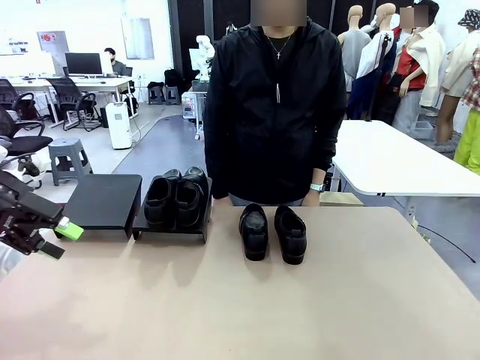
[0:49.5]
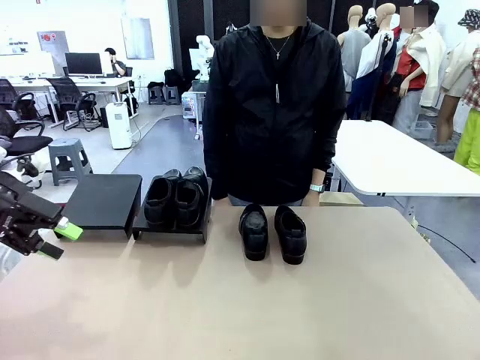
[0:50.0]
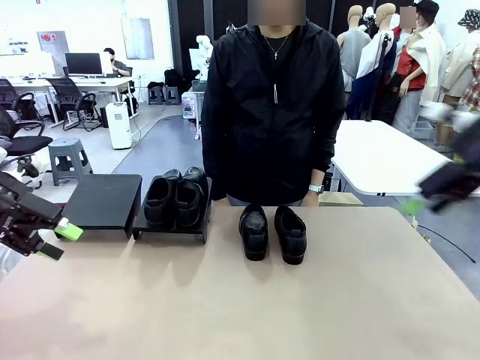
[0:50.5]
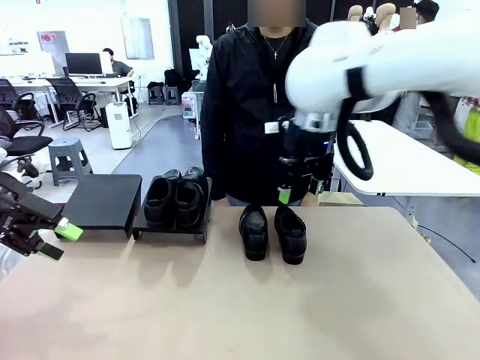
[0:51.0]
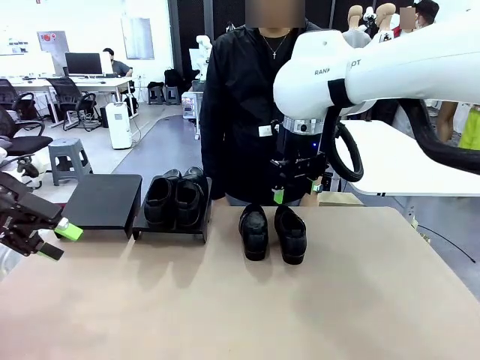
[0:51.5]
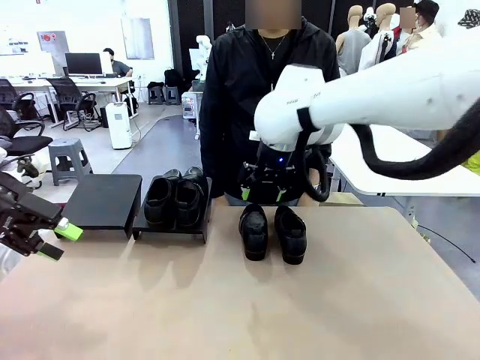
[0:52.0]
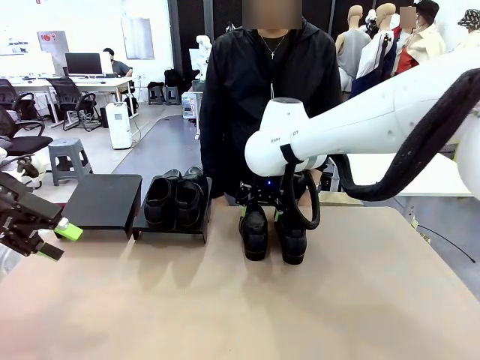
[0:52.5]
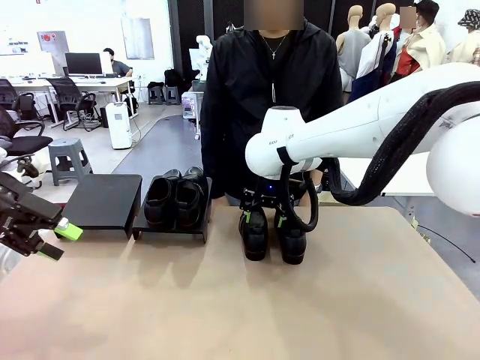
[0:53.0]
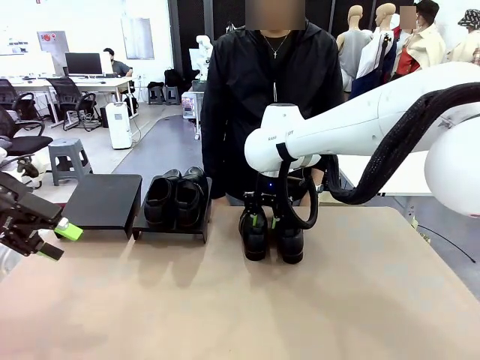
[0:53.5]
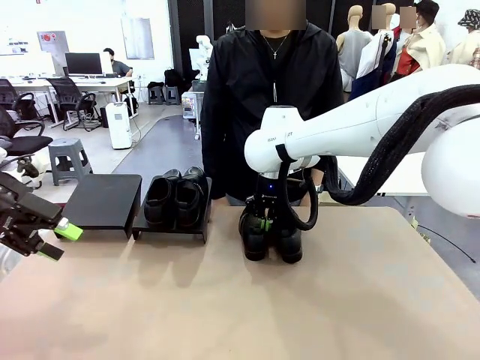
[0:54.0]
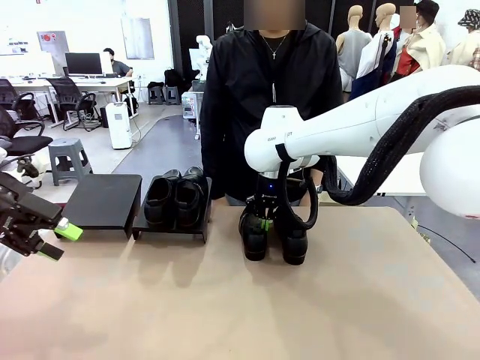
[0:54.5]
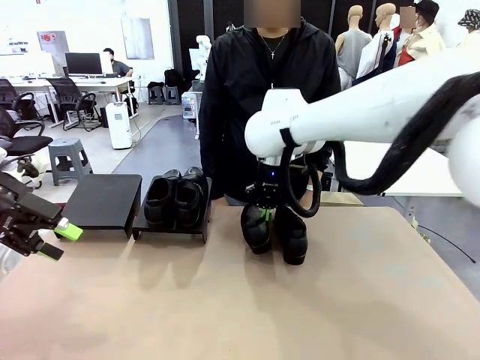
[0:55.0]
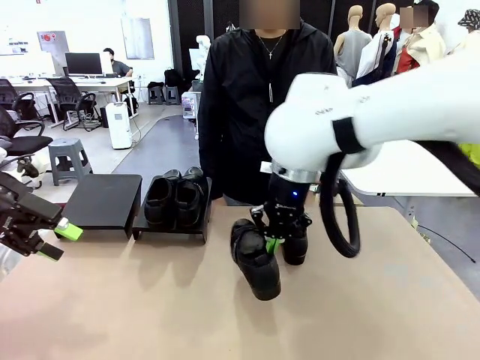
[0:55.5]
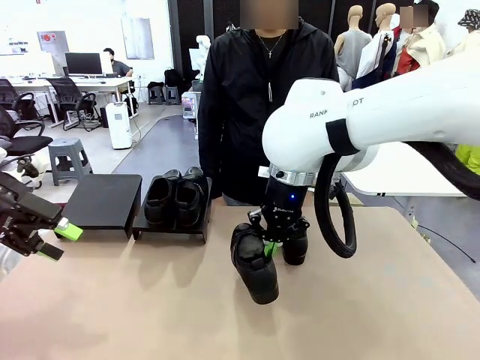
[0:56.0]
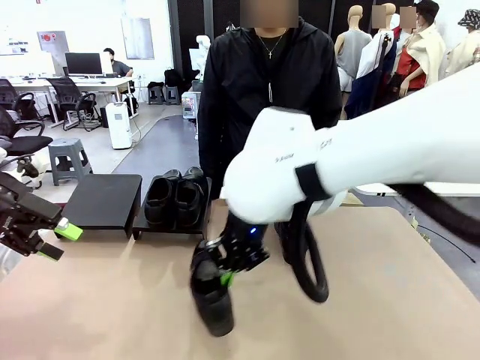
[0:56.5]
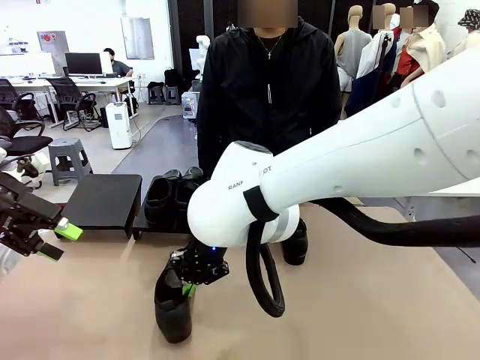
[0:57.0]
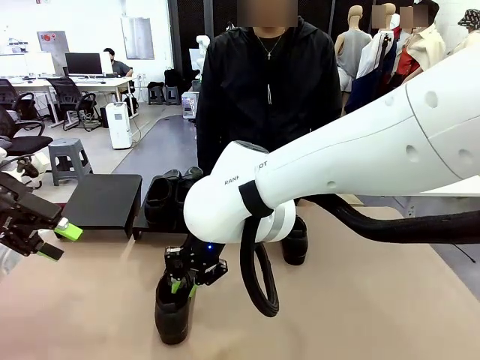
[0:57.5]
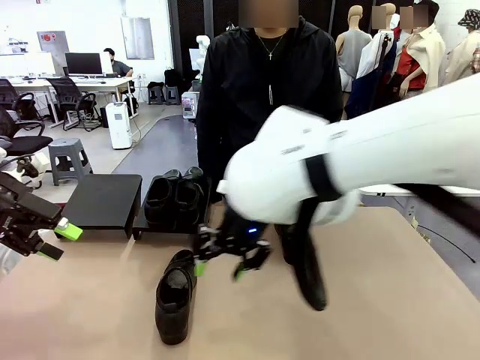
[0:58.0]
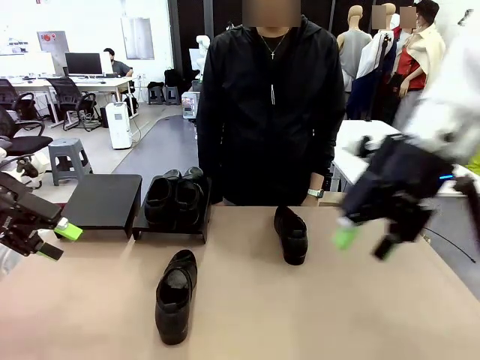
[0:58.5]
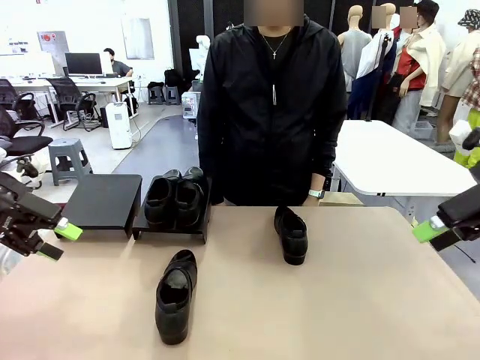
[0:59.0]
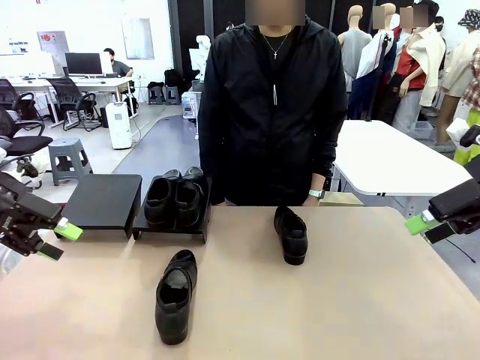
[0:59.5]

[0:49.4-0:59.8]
Task: Organize the shoes by placing them on the stand.
Robot: Pick up one Shoe and place it in the middle of the table.

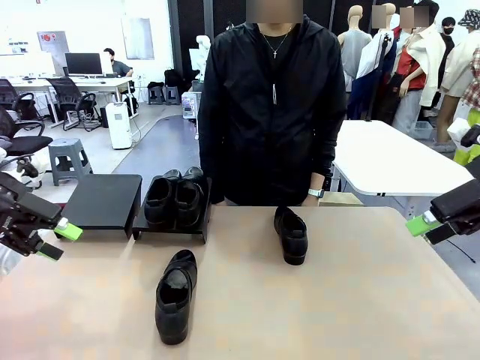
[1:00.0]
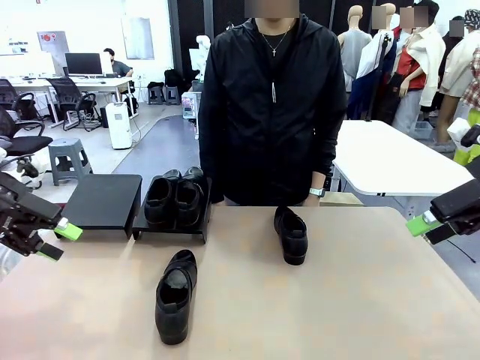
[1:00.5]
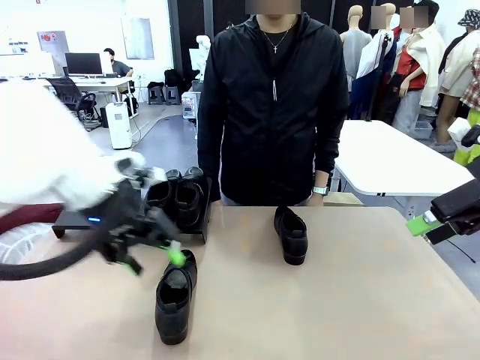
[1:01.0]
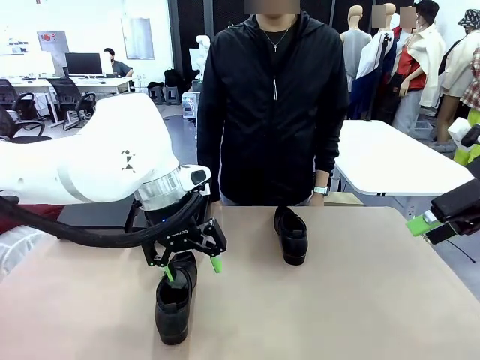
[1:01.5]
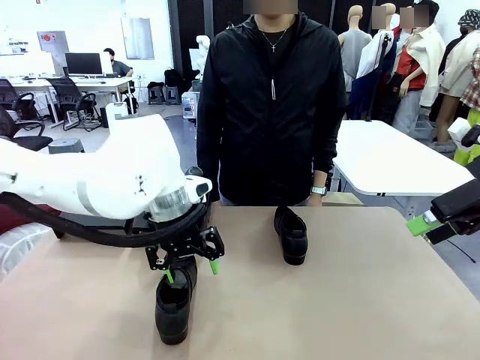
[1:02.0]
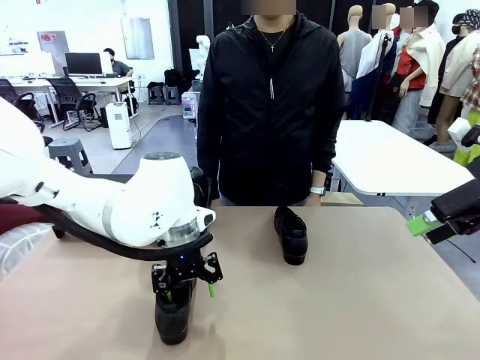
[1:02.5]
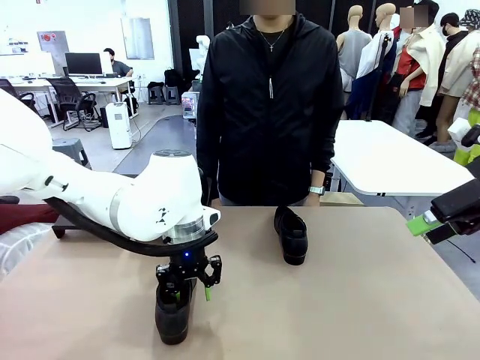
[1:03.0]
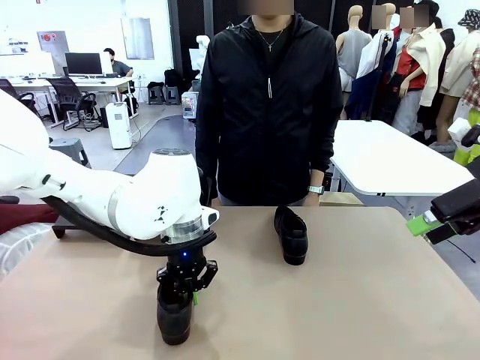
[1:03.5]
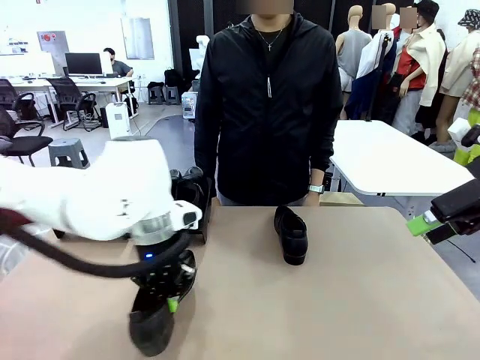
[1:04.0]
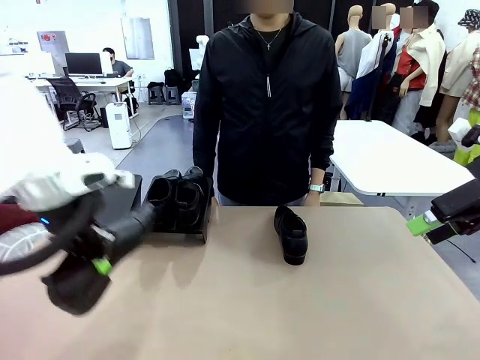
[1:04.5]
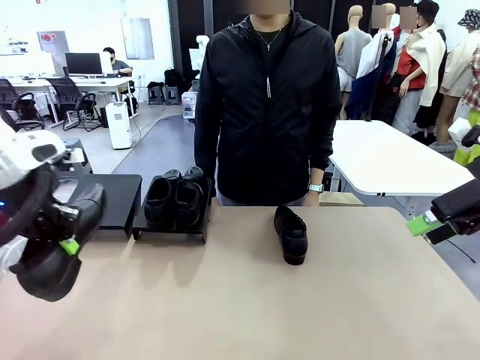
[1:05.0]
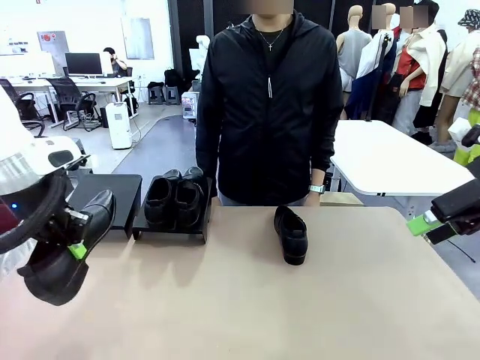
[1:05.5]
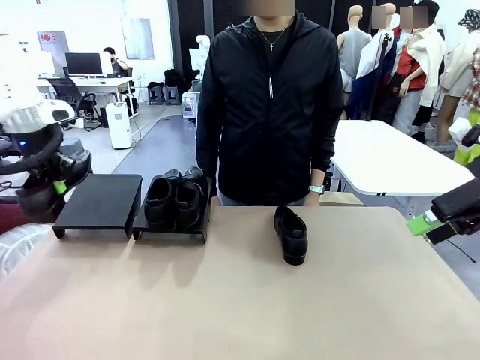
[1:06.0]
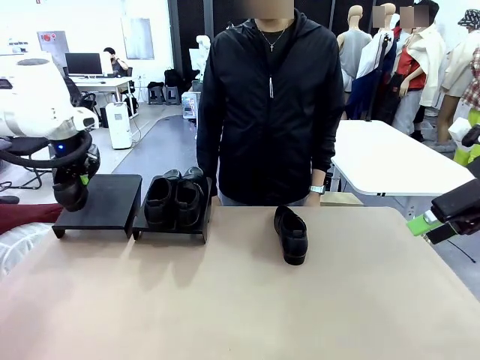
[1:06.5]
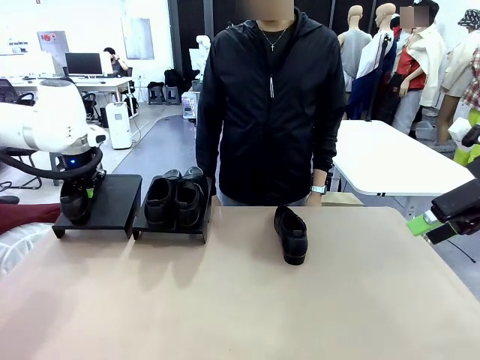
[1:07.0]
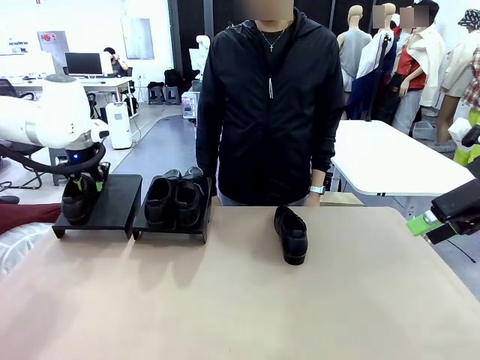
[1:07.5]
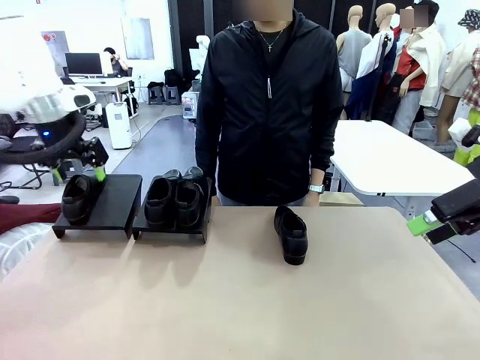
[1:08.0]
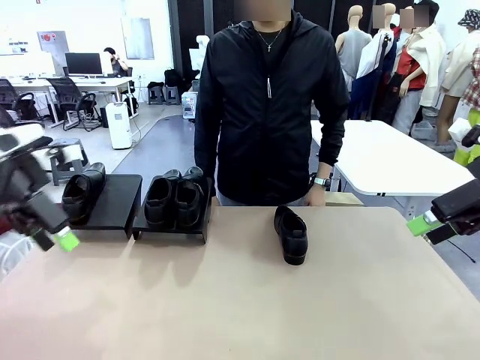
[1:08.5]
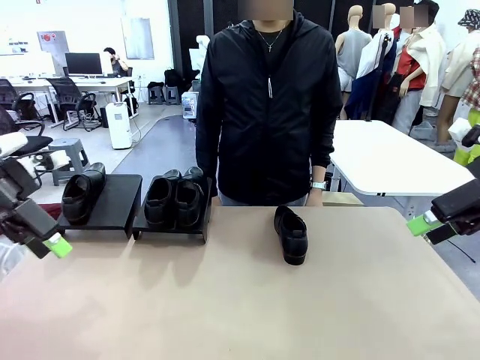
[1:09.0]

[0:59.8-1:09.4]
Robot: Place the Shoe from the middle of the table onto the Shoes Stand.

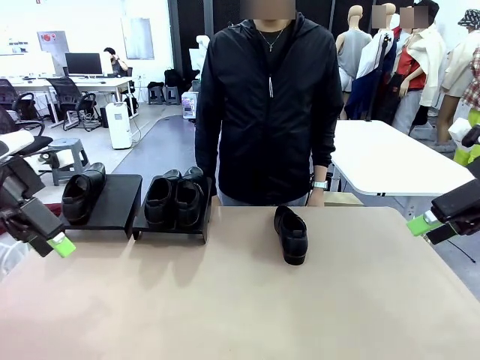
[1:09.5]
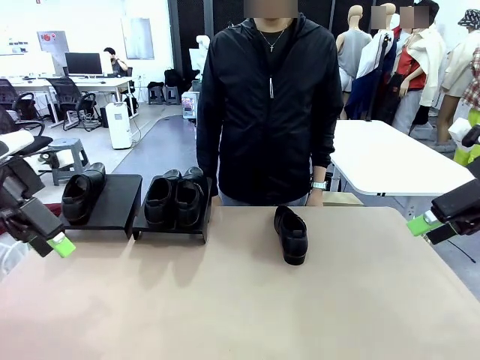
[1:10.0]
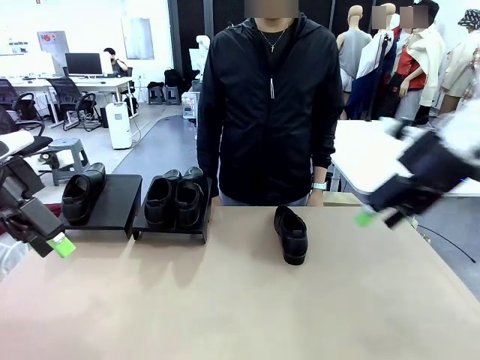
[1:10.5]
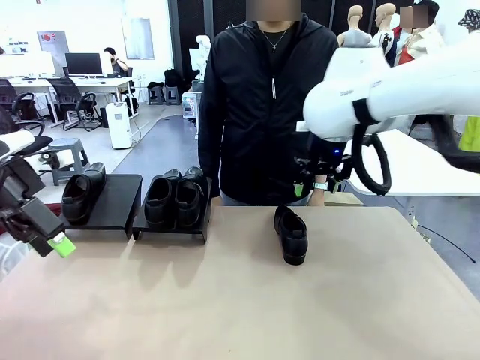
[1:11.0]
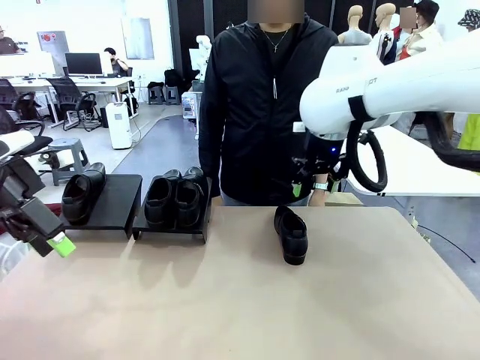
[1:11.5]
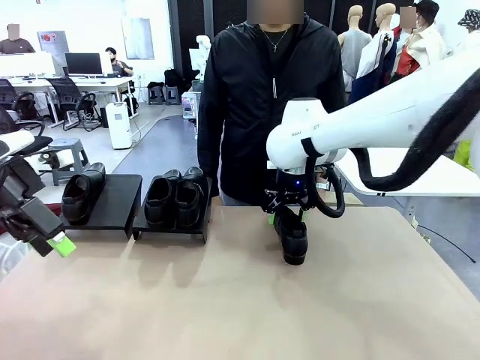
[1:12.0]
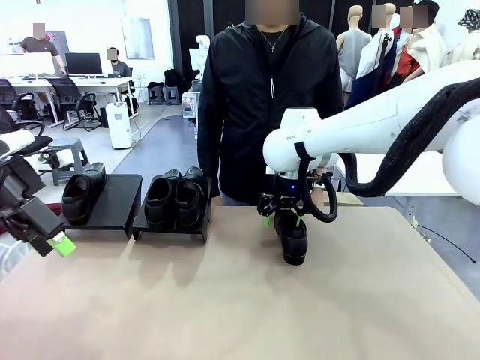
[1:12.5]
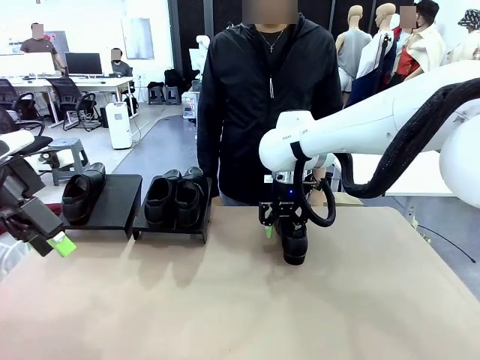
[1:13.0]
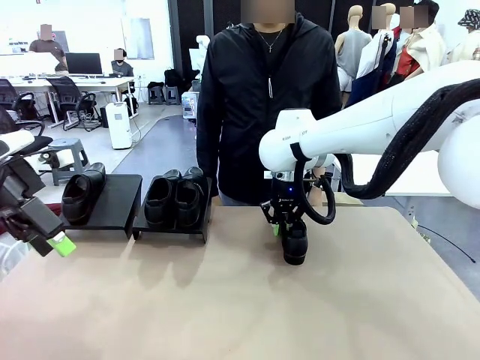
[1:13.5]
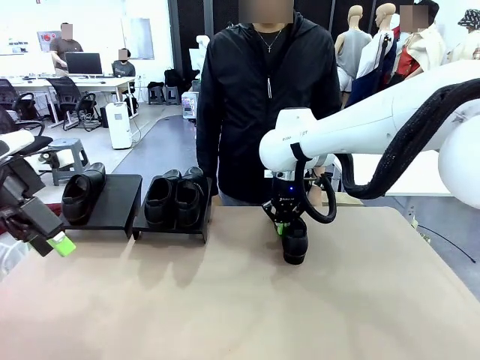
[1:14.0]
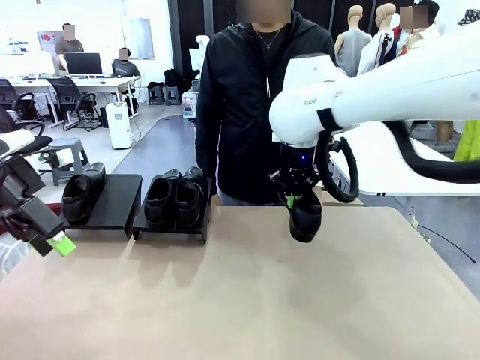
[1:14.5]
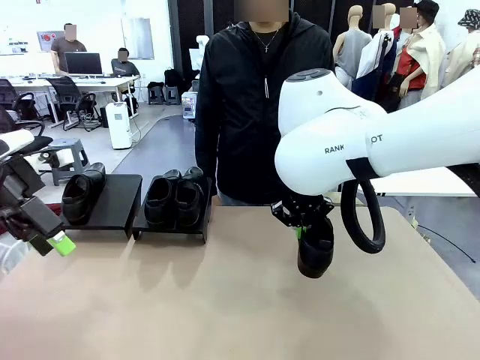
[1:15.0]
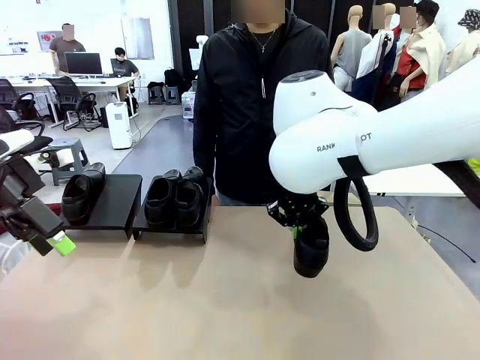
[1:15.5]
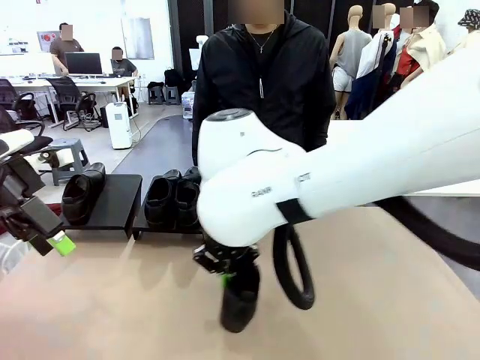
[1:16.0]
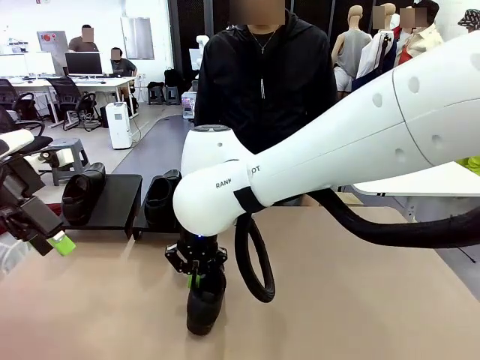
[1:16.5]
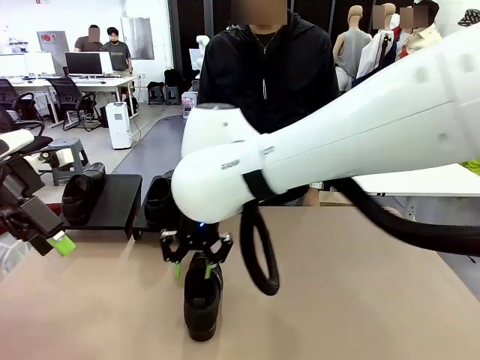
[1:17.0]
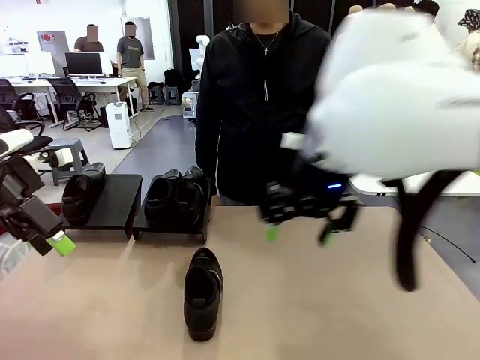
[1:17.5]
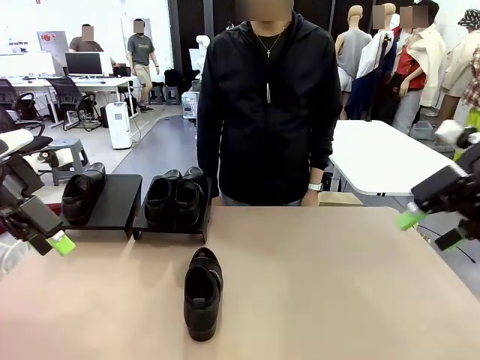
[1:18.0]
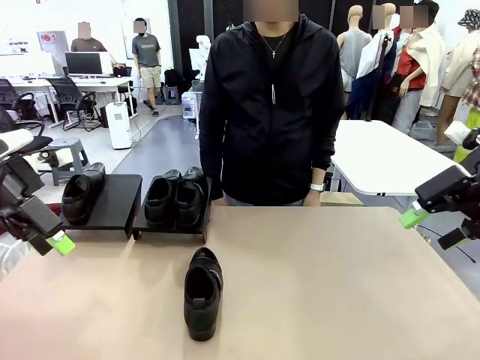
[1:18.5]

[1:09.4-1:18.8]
Robot: Pick up one Shoe and place it in the middle of the table.
